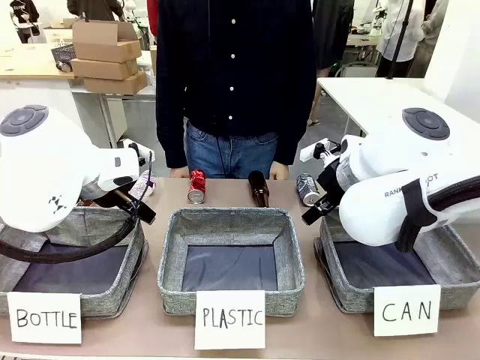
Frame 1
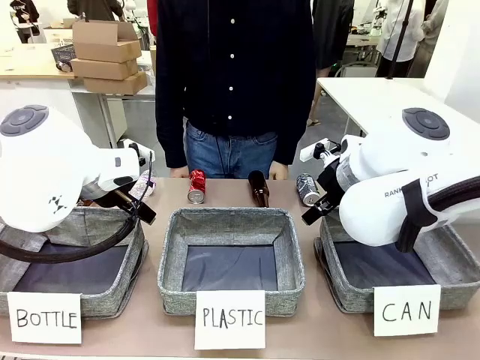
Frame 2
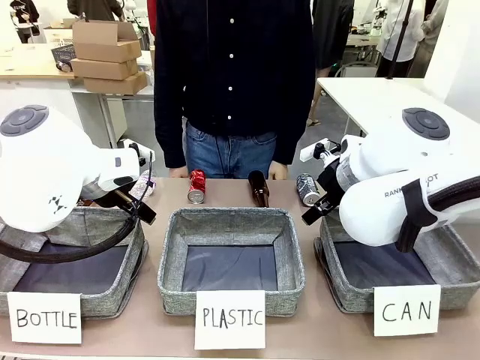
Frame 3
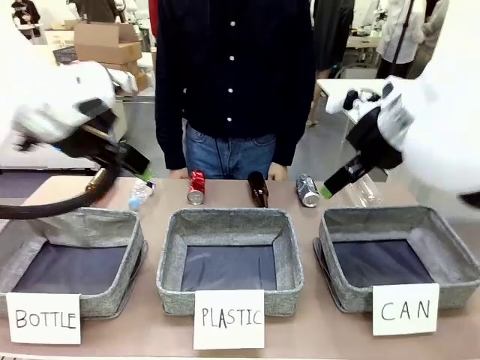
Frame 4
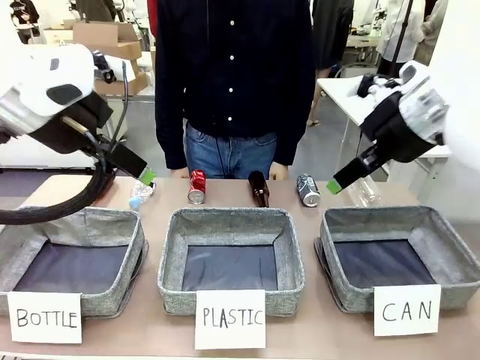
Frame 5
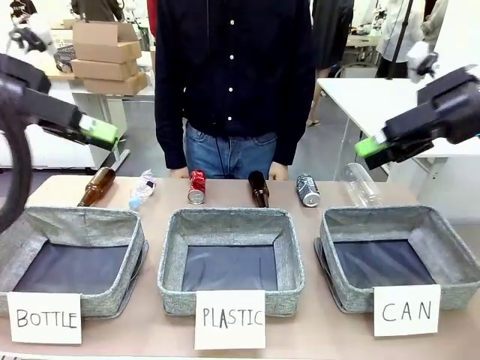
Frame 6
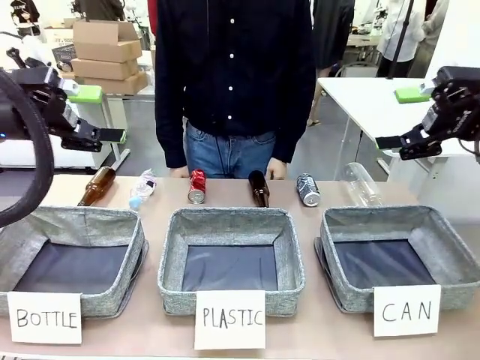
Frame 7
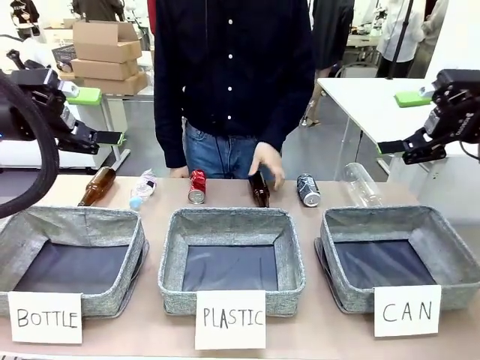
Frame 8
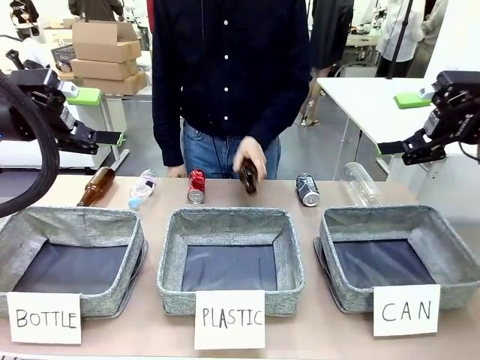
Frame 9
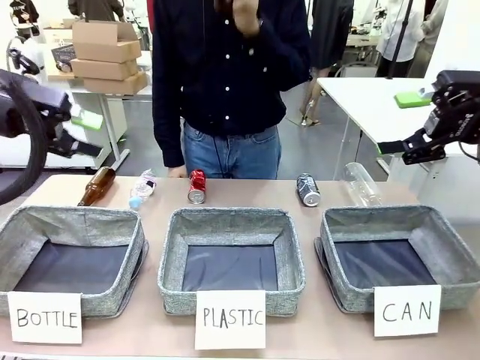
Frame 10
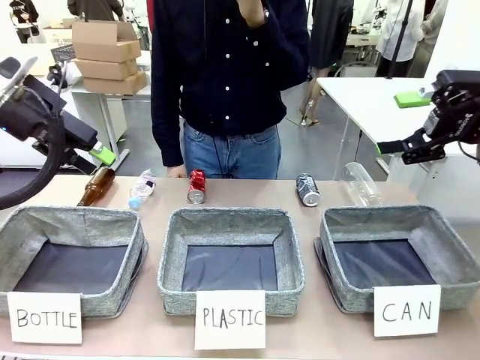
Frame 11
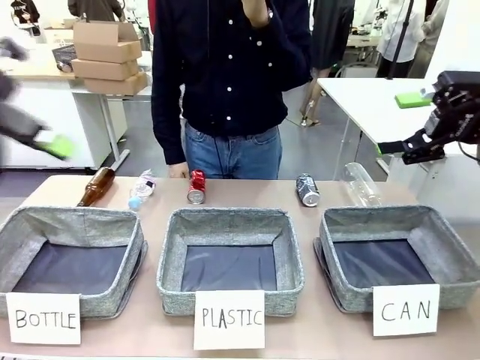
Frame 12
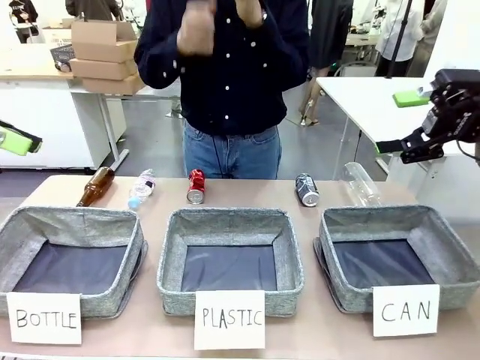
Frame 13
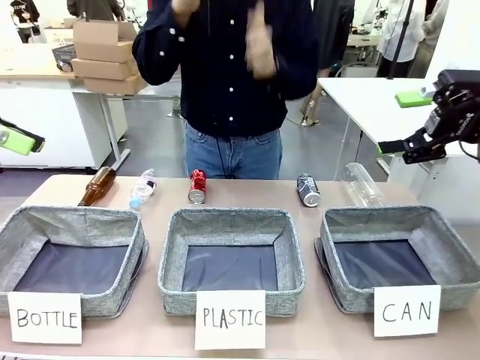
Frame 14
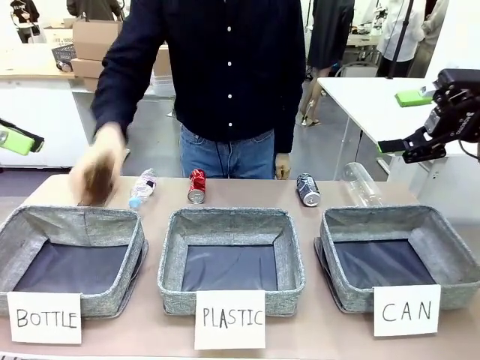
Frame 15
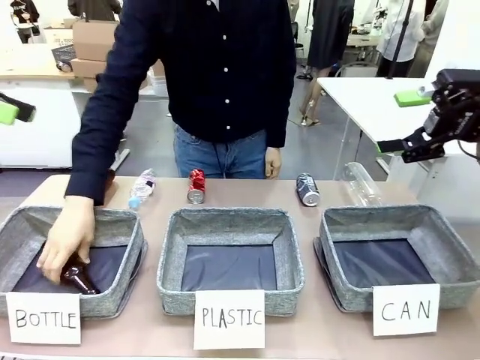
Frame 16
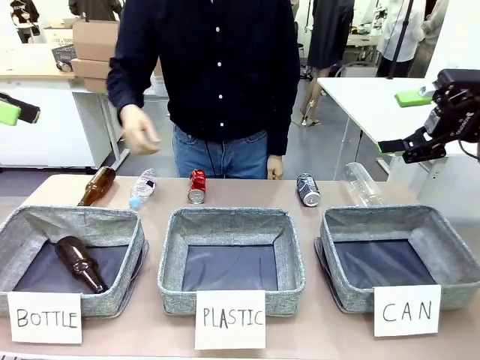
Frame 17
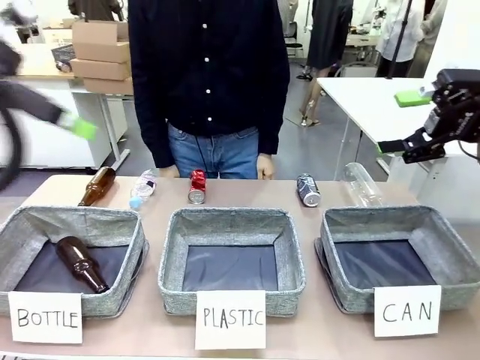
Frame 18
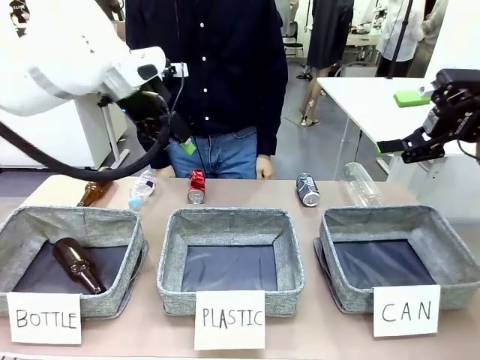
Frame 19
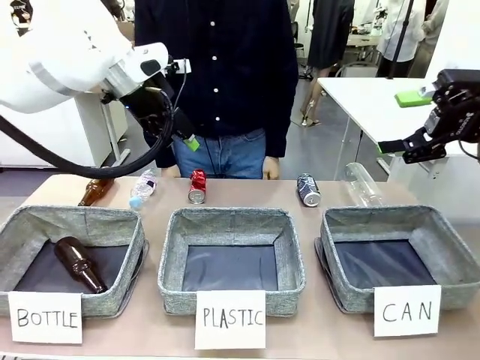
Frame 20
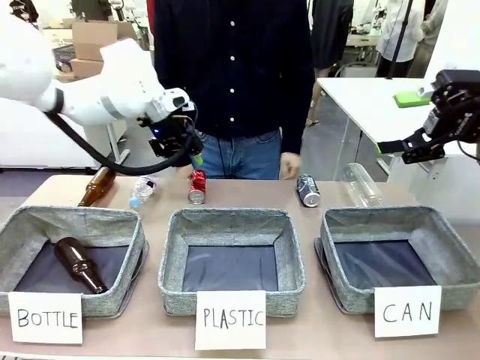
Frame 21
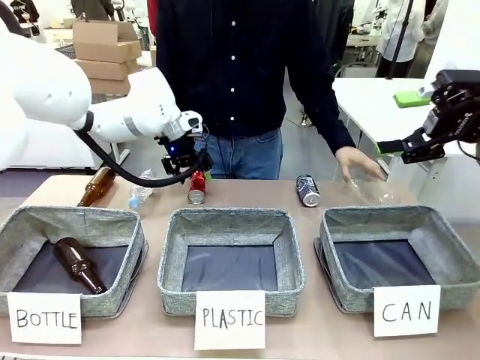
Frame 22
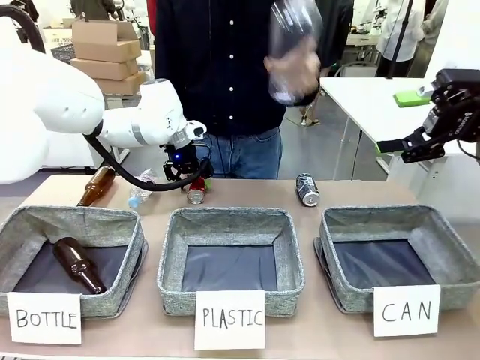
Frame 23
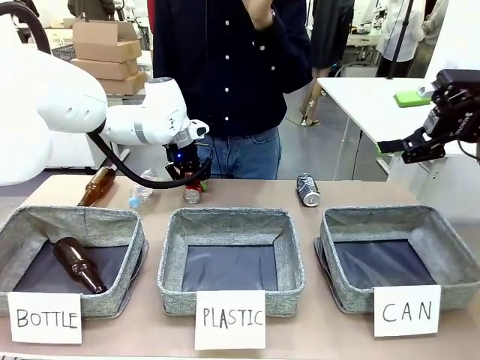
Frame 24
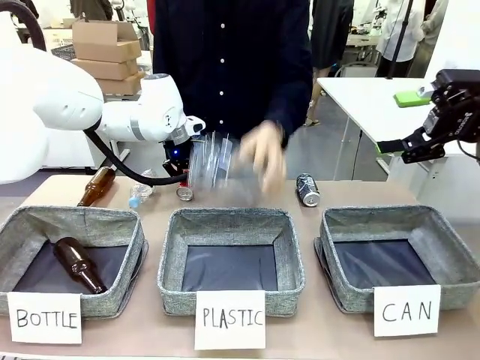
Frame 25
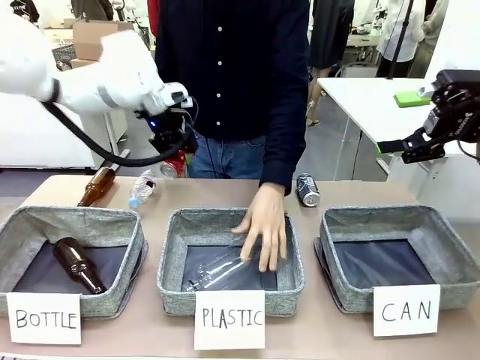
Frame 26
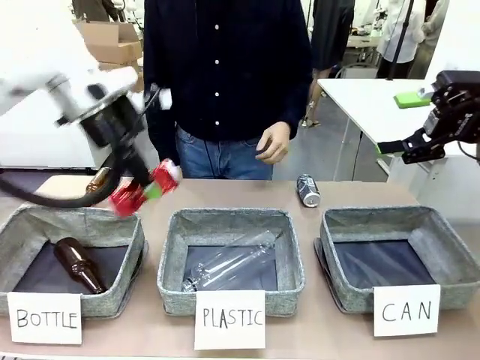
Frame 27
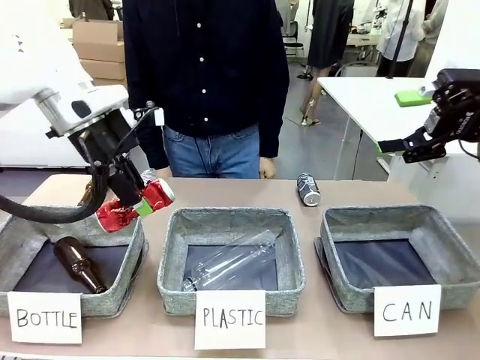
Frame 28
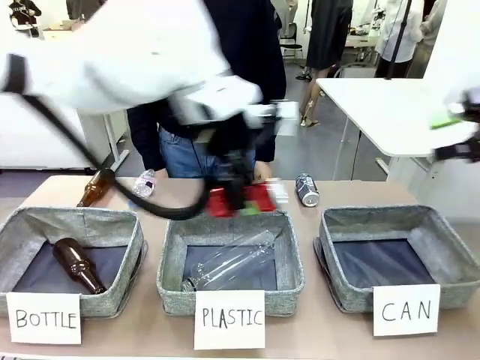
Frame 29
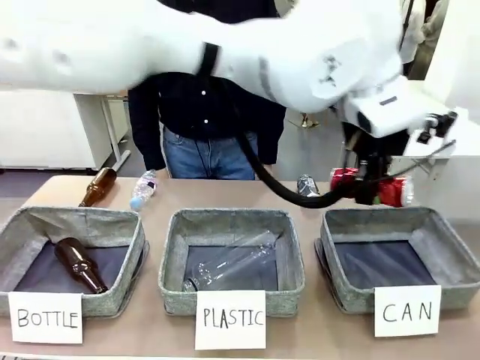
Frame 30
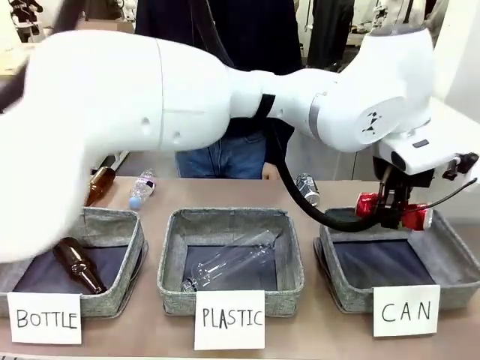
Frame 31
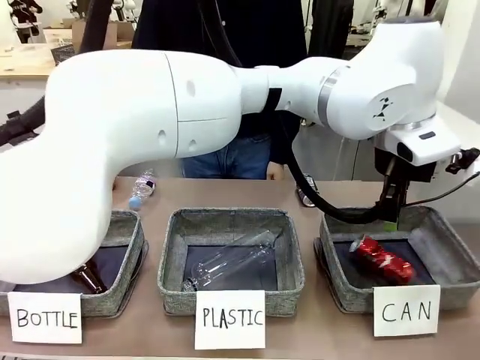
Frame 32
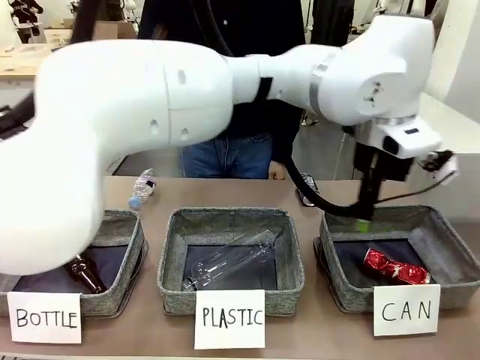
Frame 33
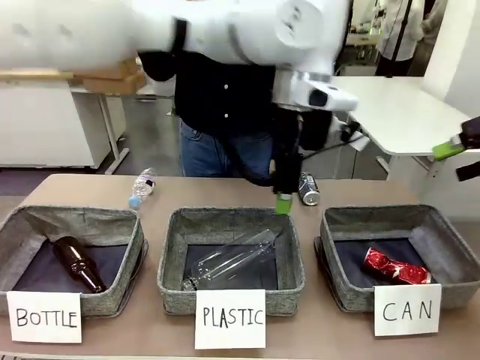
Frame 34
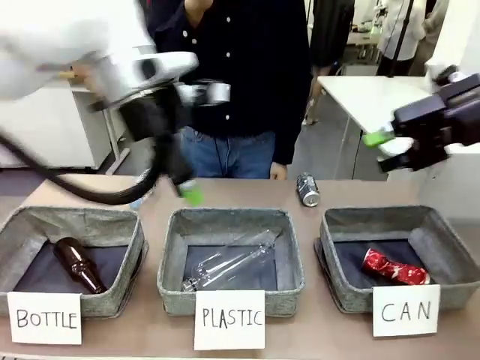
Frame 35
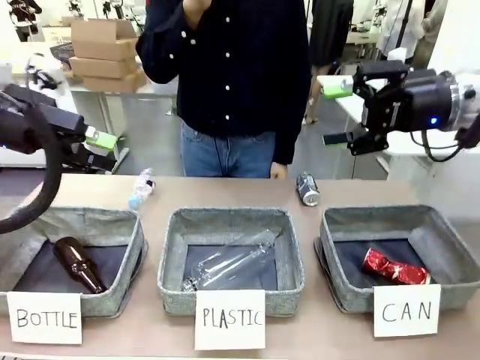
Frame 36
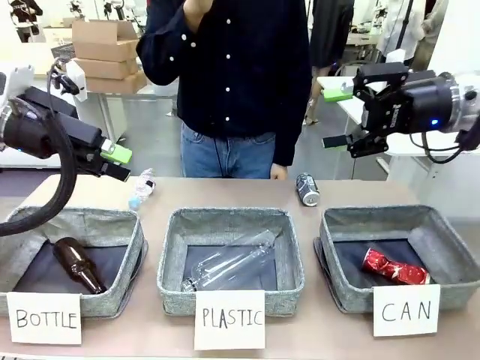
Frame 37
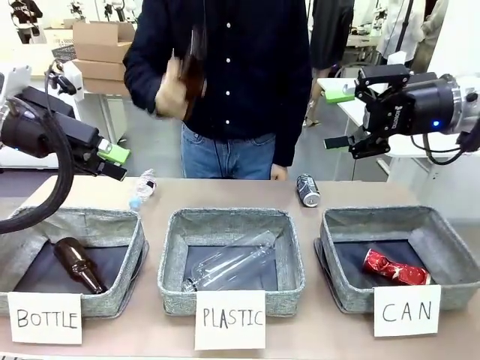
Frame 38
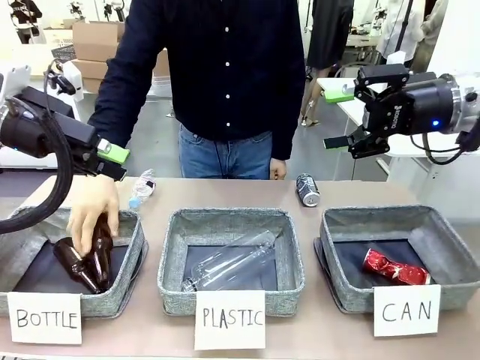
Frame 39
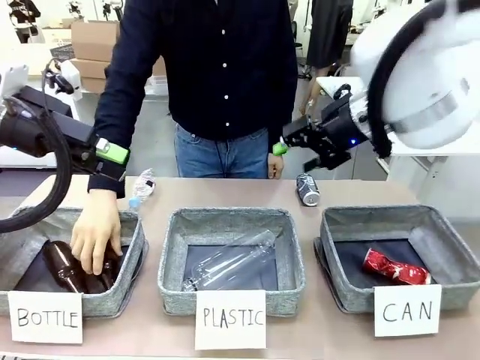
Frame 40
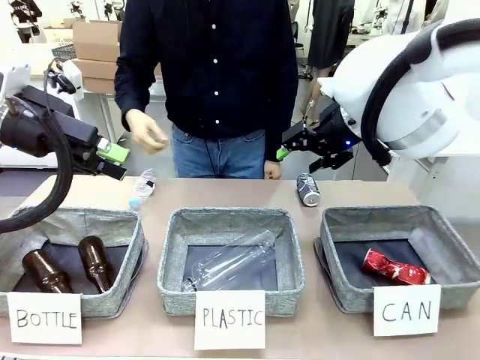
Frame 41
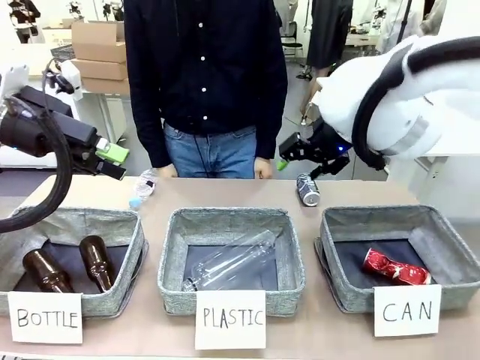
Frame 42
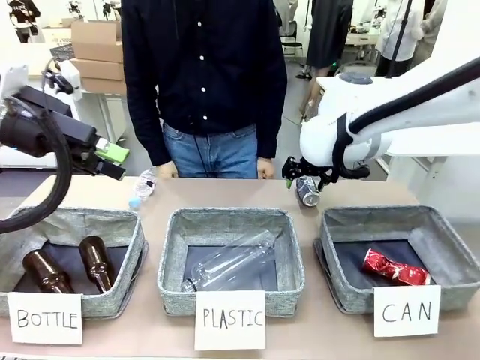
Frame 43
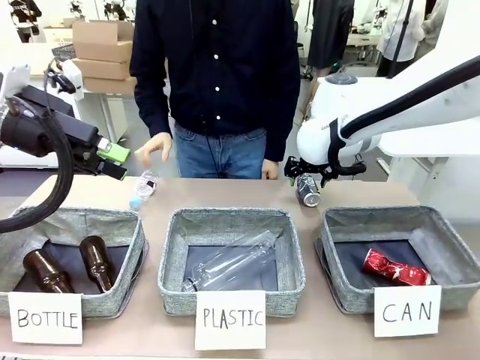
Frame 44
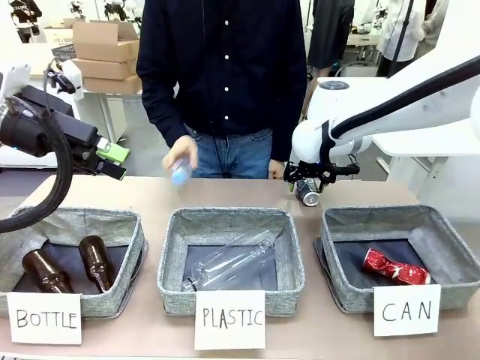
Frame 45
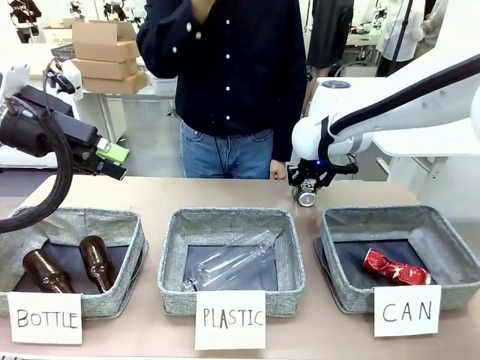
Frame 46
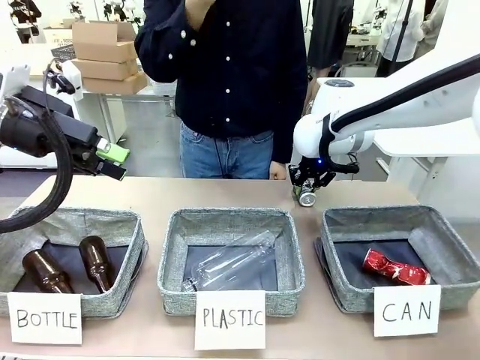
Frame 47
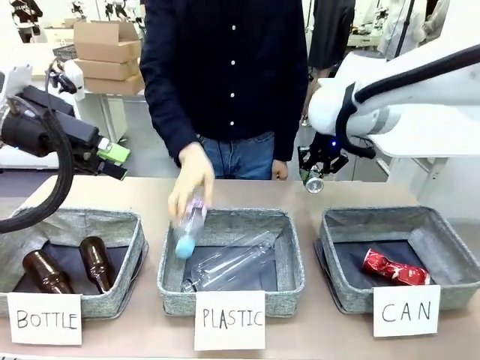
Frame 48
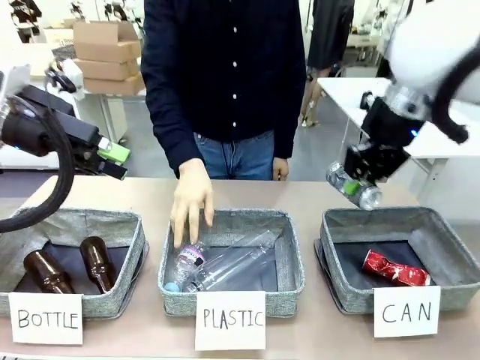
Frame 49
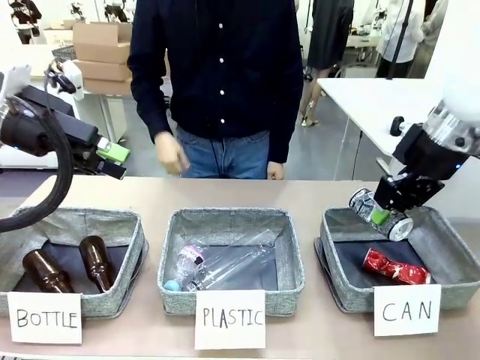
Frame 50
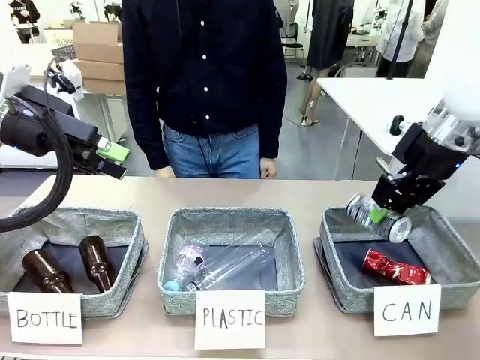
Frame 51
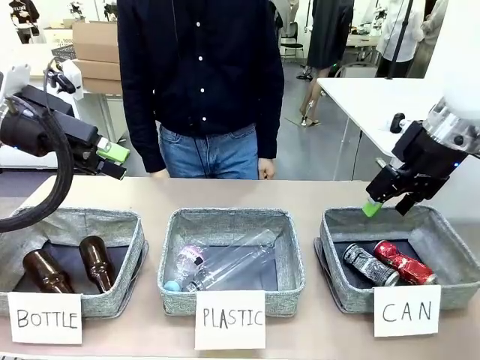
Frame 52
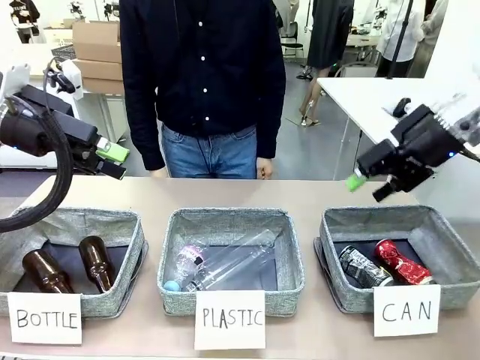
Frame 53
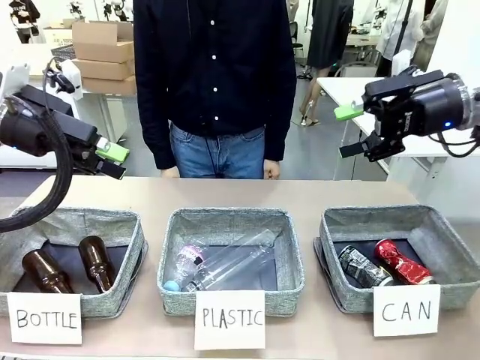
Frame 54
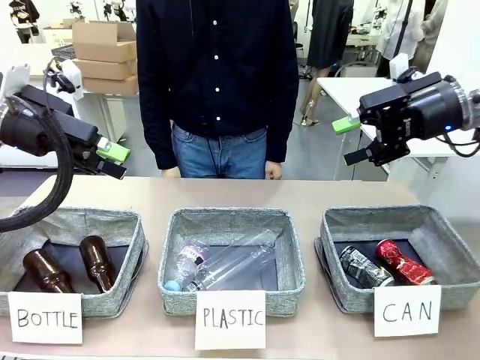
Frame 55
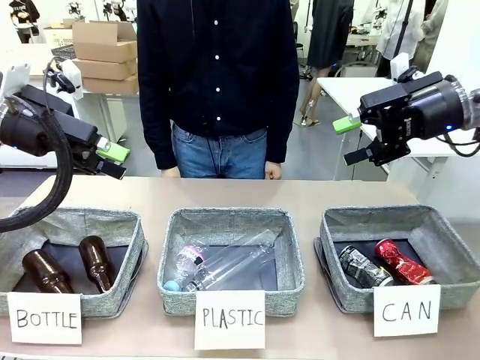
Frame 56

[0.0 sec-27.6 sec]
Task: Sort the can waste into the basket.
Robot: Pick up the can waste from the table and place it in the right Fabric basket.
Person: The human picks up one piece of trash that is not a can and places the trash into the appropriate organizing basket.
